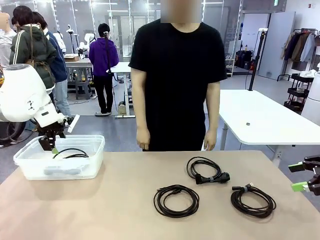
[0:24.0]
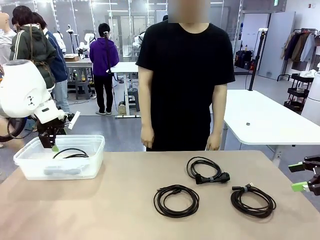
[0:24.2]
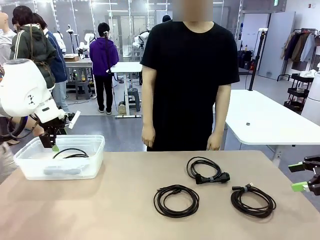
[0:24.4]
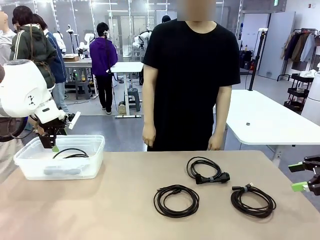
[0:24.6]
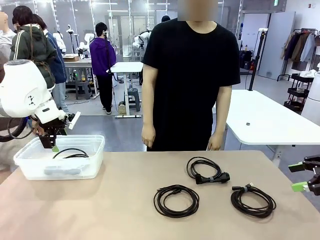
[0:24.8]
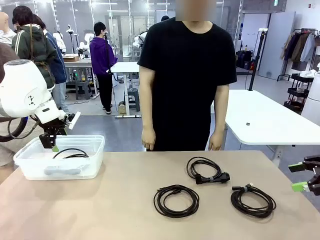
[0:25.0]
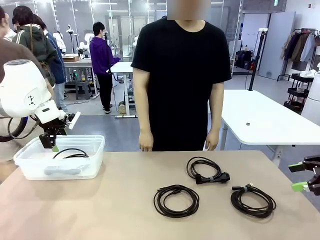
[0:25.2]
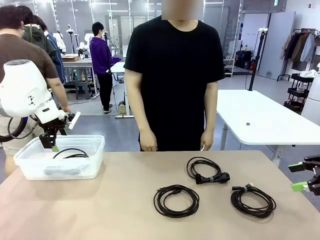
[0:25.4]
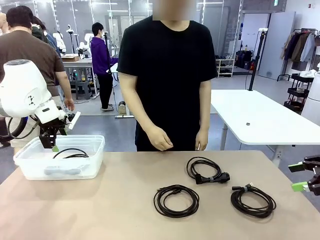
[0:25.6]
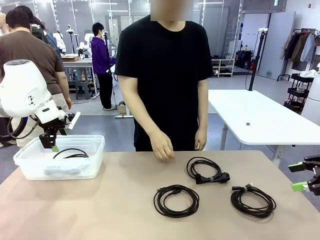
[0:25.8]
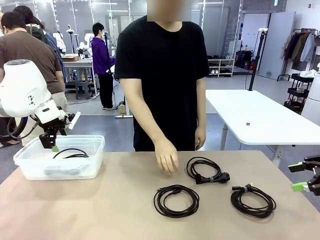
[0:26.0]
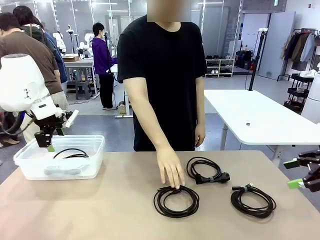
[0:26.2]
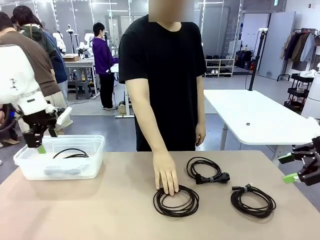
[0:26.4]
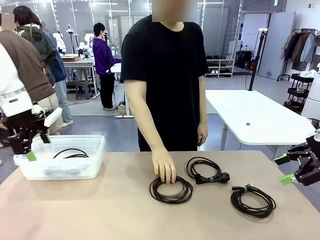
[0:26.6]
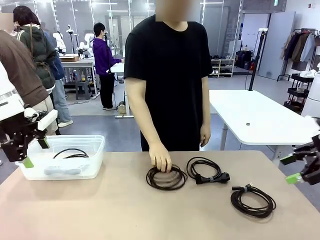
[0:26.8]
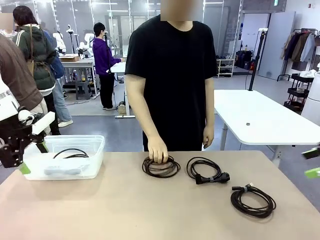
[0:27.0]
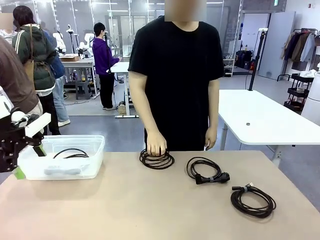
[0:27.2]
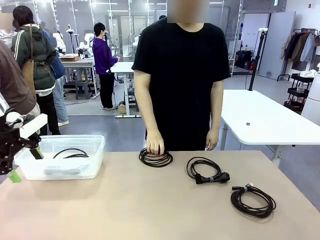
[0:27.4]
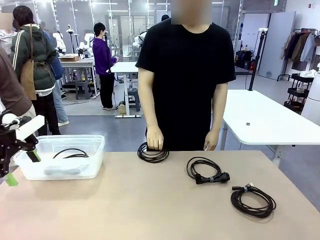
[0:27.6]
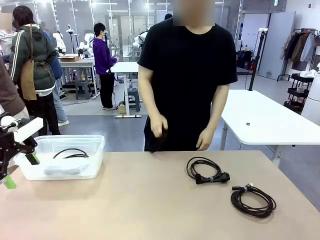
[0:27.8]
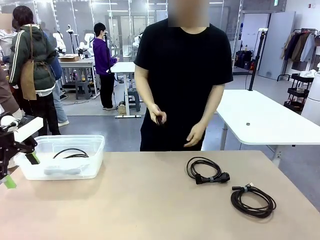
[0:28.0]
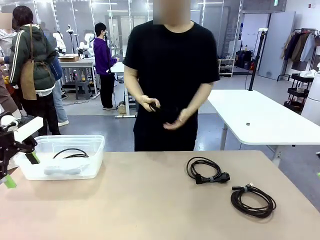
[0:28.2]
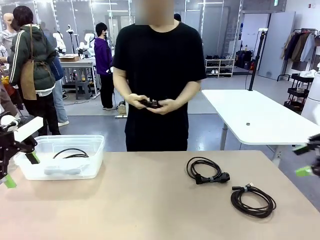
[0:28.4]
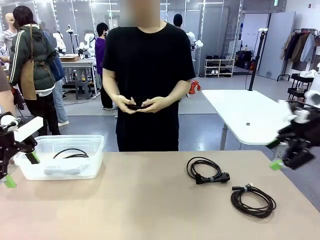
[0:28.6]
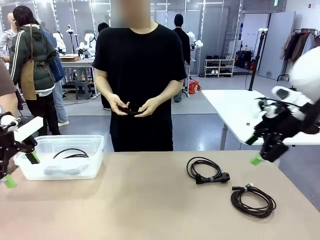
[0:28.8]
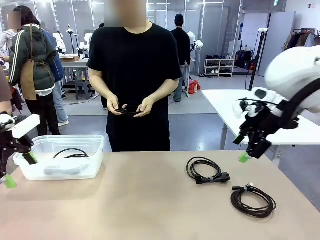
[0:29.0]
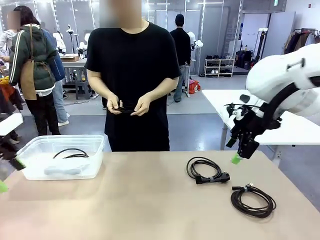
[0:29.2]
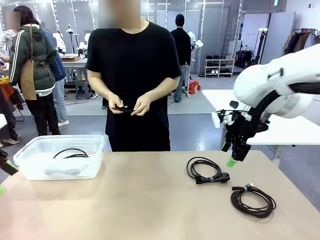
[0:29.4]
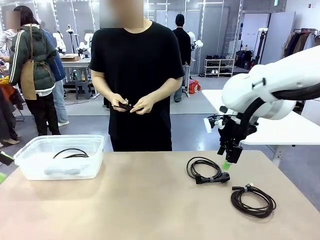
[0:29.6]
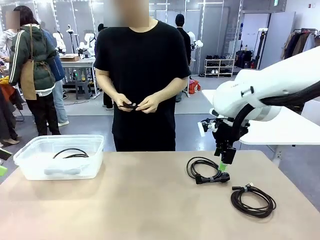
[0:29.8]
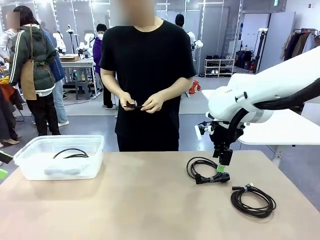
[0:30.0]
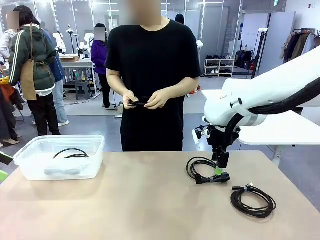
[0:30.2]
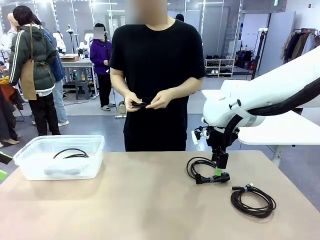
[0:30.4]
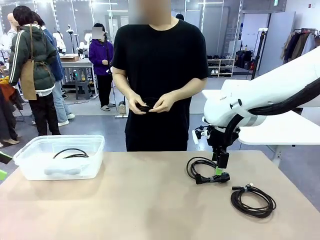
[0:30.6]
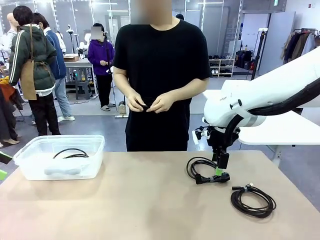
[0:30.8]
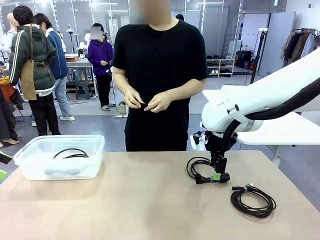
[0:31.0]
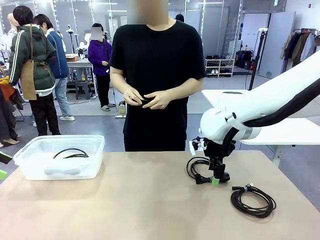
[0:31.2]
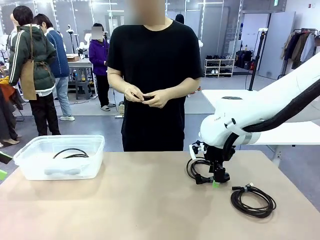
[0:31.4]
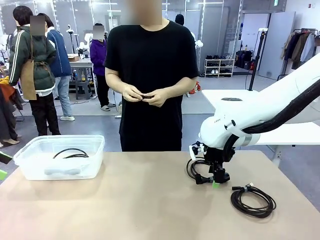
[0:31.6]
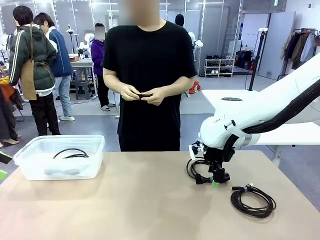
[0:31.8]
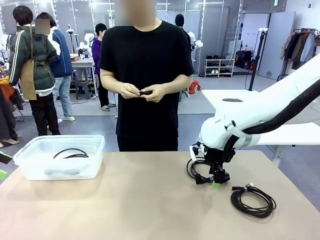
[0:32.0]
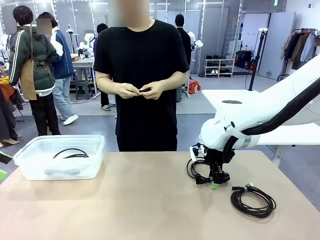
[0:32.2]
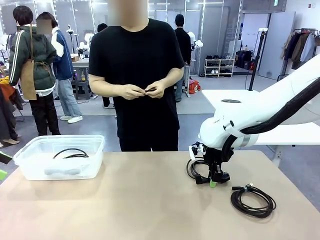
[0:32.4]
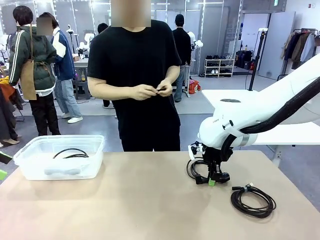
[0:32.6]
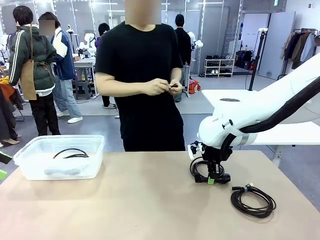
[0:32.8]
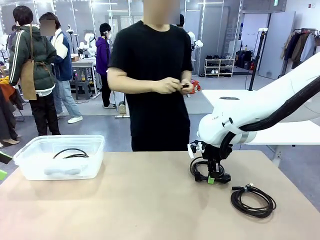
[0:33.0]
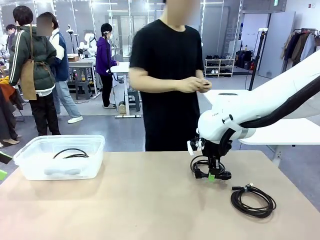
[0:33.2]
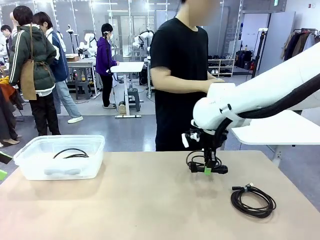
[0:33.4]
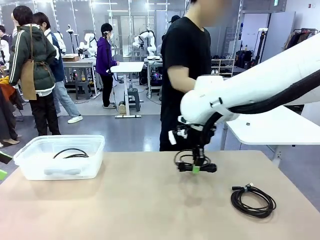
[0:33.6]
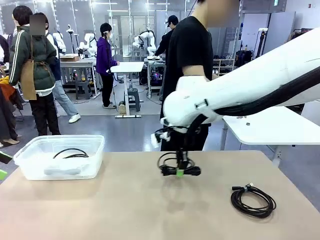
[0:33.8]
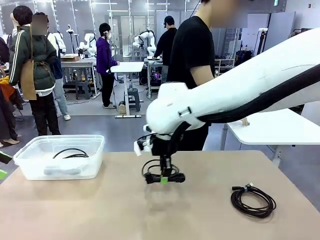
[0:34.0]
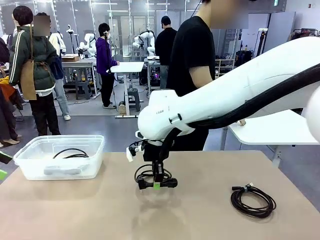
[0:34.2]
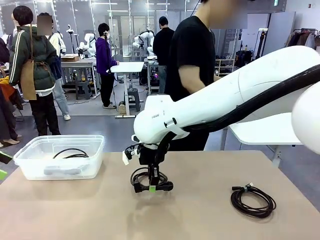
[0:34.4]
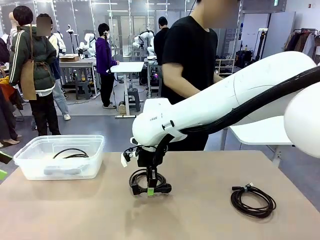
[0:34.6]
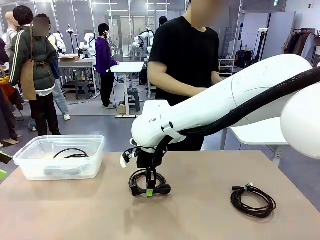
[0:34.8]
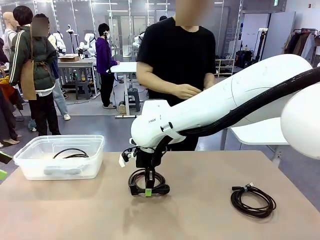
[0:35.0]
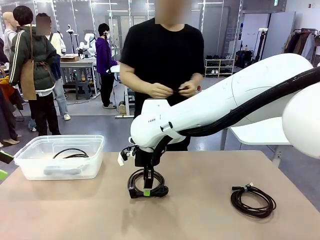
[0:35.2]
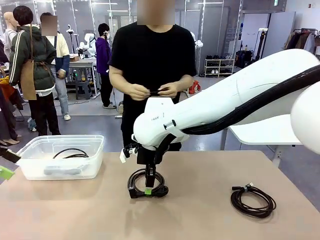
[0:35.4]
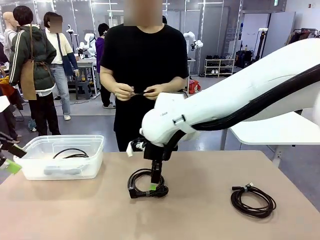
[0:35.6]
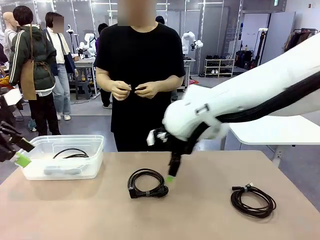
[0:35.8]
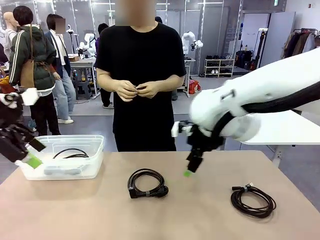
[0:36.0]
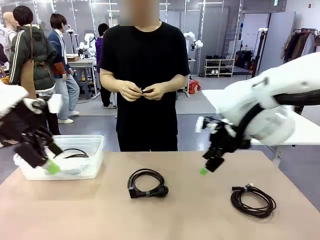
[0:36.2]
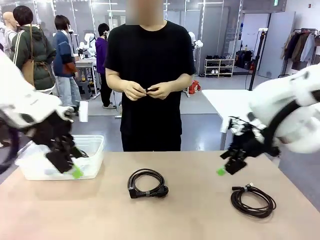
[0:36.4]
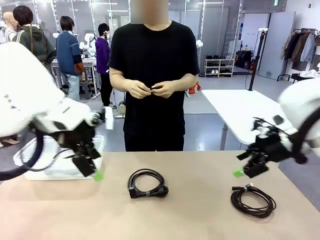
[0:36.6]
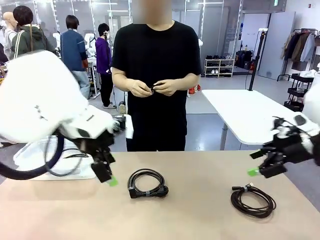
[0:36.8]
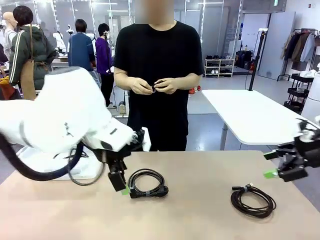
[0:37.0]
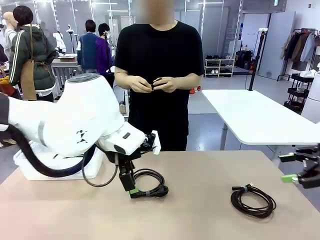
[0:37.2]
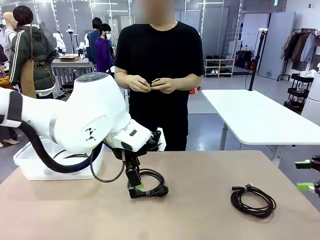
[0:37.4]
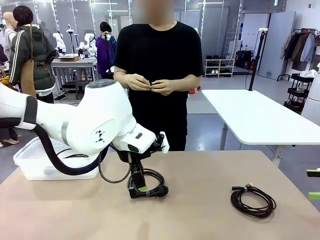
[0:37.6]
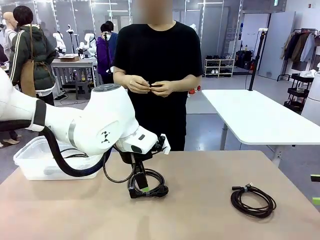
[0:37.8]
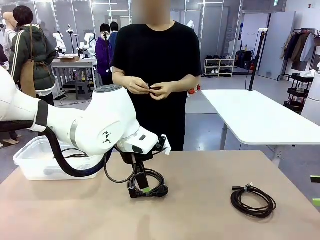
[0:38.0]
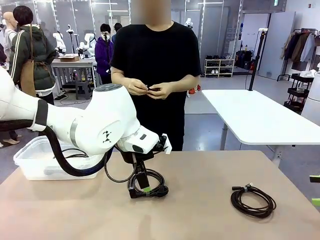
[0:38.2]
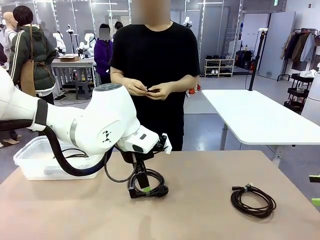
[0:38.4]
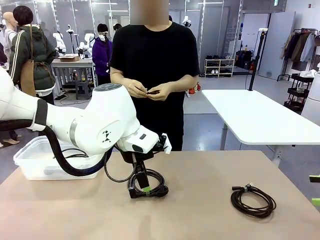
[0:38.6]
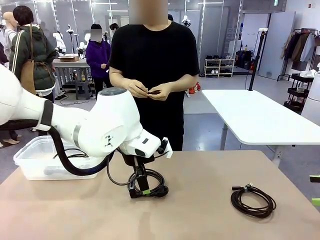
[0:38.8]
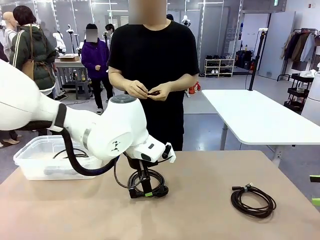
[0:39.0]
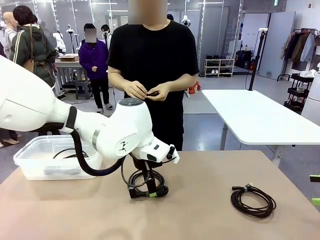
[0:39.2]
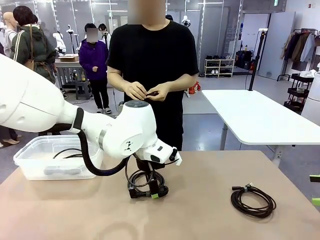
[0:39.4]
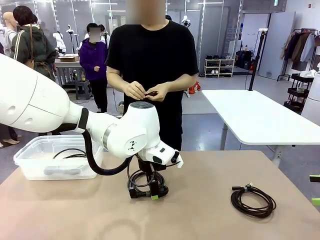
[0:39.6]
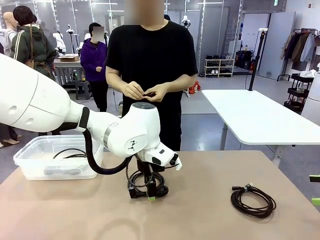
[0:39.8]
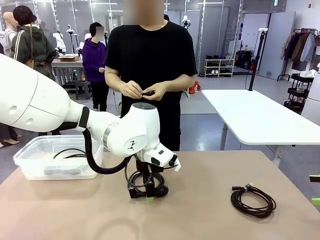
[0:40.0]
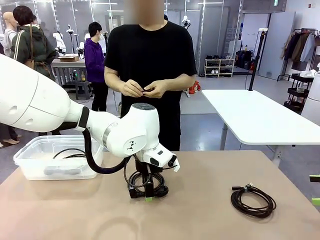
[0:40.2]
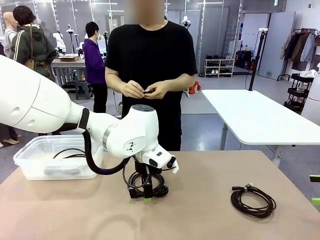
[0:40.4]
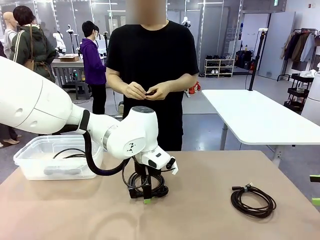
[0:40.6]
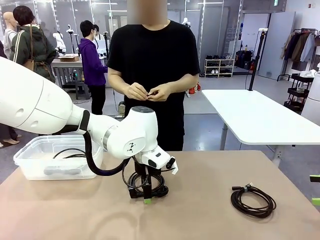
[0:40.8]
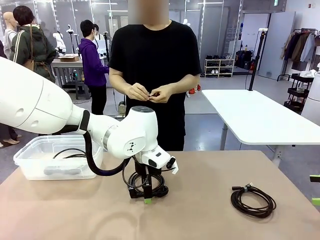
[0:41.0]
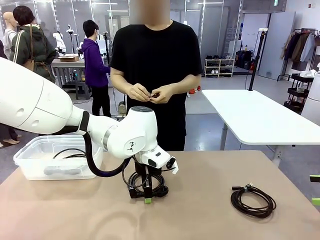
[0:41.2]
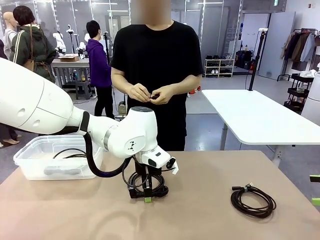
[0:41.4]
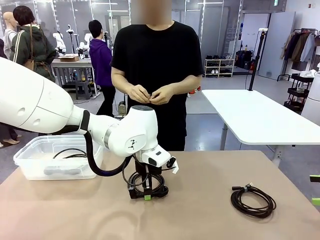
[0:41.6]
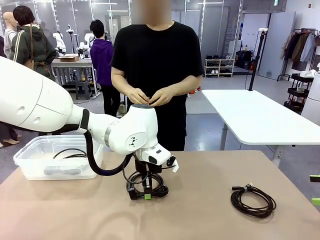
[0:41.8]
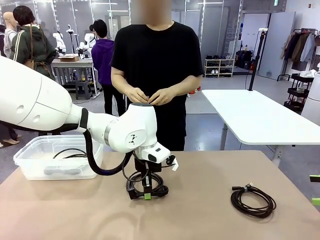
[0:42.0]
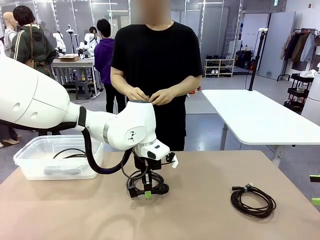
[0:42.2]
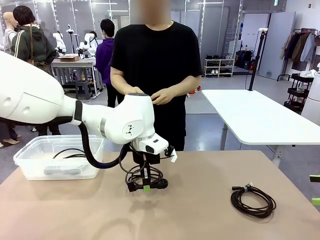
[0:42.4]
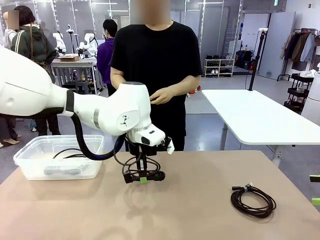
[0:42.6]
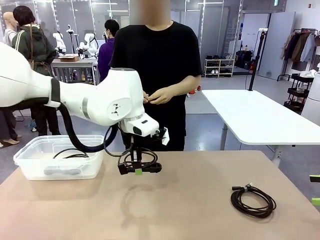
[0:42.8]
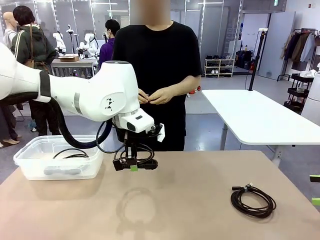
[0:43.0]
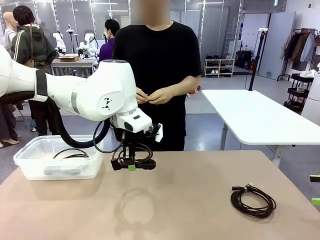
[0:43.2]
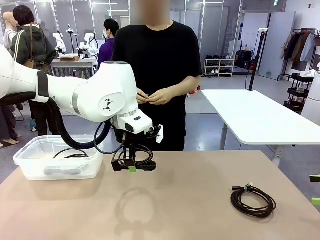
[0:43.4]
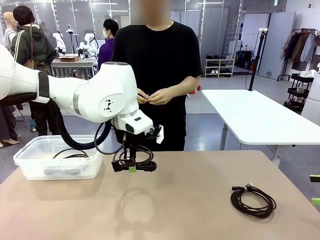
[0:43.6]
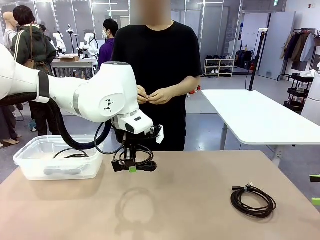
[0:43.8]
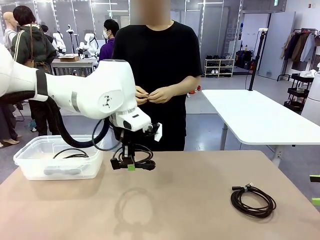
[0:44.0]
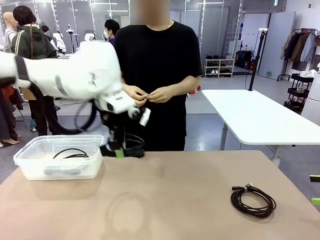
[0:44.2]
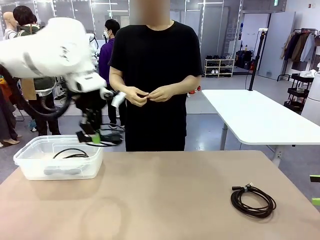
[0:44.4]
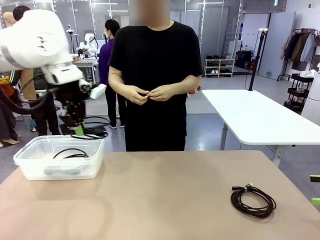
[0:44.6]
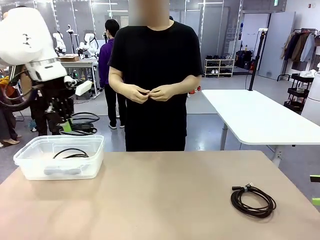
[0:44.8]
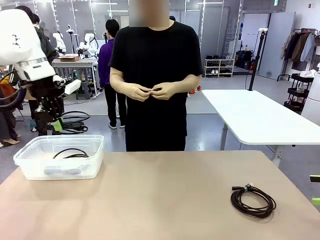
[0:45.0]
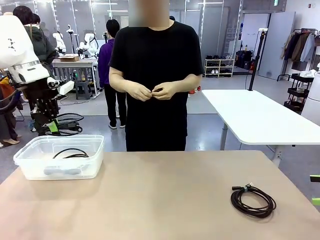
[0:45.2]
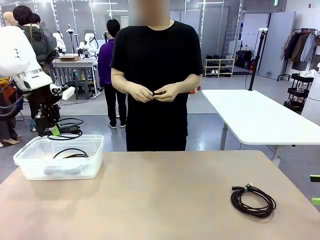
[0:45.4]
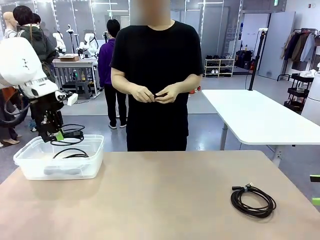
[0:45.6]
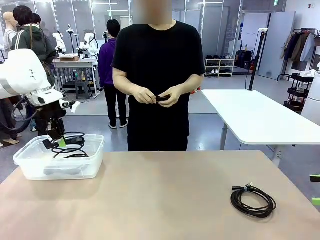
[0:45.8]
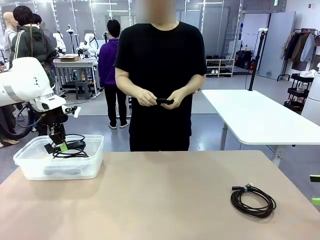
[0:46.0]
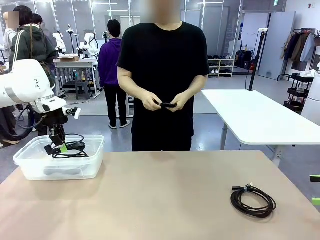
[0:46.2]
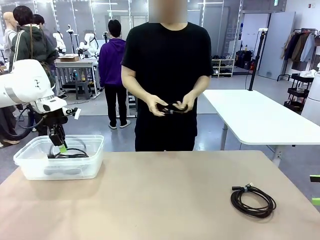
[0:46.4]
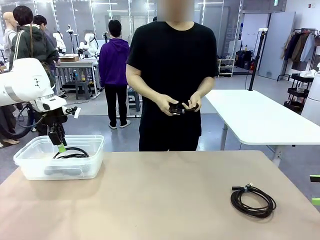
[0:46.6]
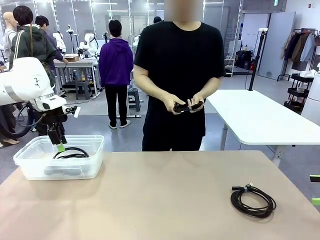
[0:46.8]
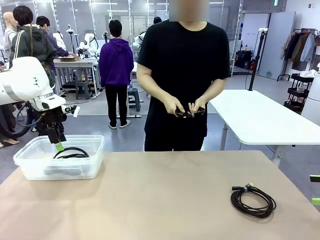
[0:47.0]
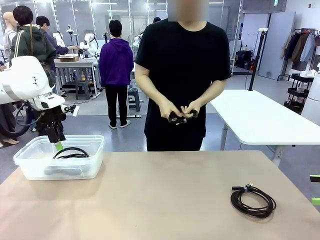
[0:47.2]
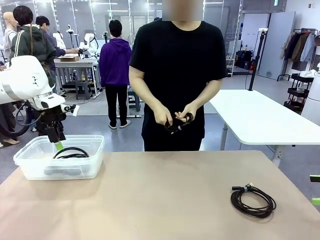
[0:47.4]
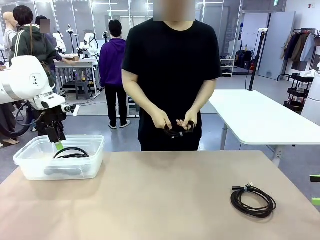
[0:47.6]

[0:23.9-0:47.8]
Task: Organize and store the cables.
Robot: Place the Power Cable into the Organizing box.
